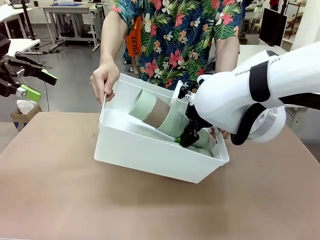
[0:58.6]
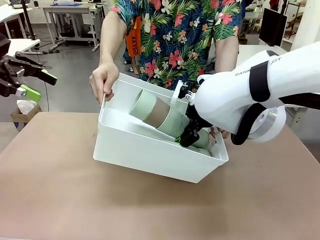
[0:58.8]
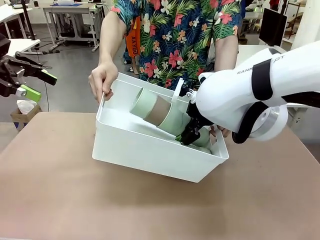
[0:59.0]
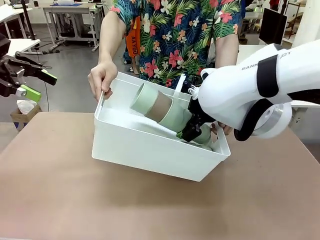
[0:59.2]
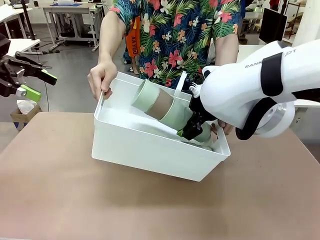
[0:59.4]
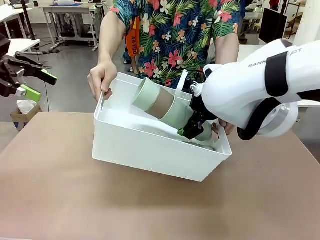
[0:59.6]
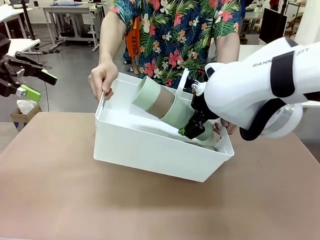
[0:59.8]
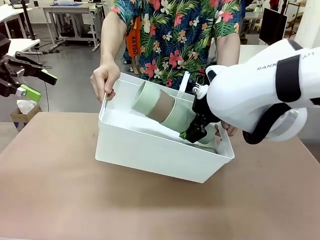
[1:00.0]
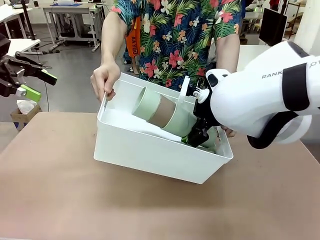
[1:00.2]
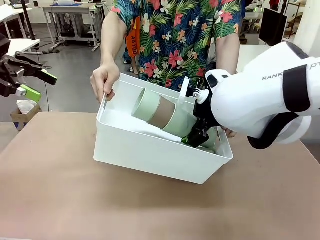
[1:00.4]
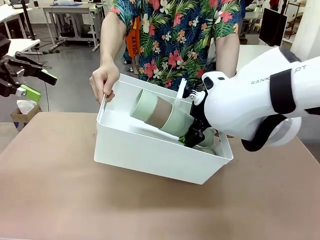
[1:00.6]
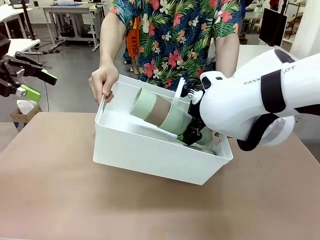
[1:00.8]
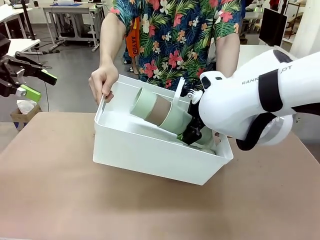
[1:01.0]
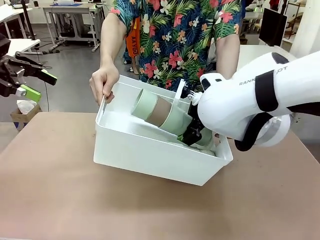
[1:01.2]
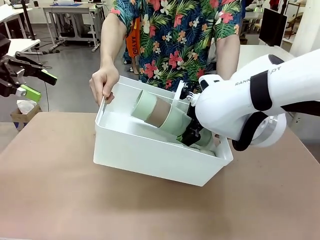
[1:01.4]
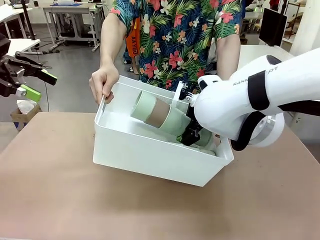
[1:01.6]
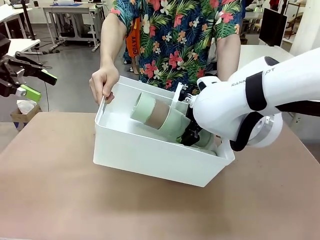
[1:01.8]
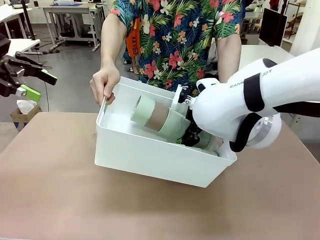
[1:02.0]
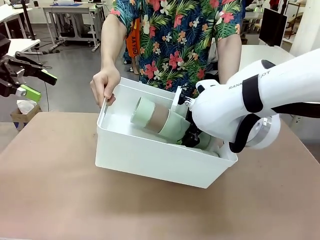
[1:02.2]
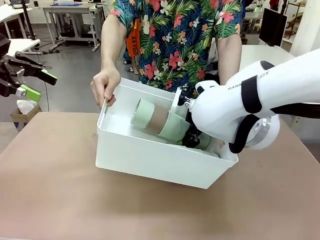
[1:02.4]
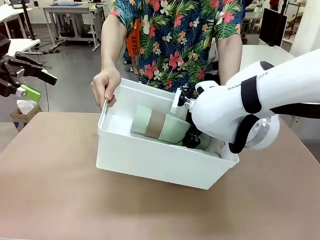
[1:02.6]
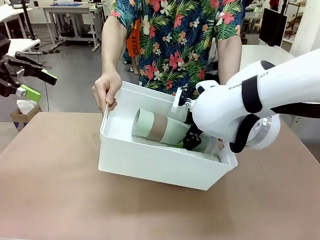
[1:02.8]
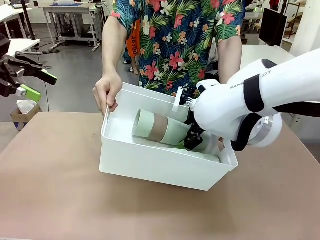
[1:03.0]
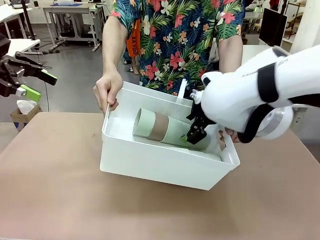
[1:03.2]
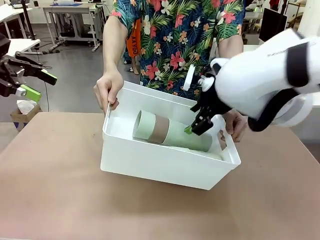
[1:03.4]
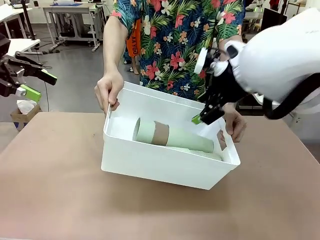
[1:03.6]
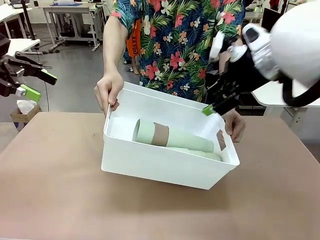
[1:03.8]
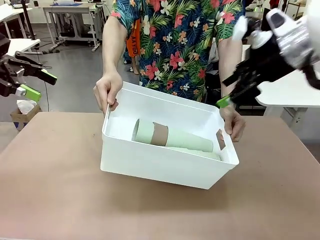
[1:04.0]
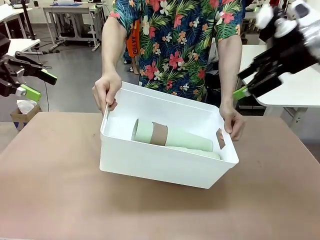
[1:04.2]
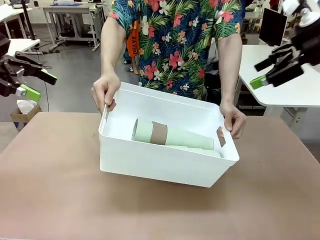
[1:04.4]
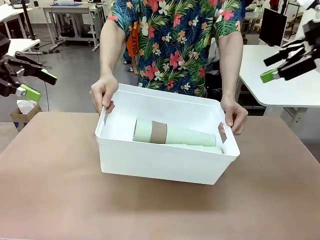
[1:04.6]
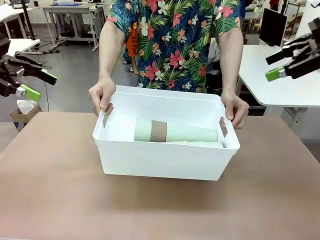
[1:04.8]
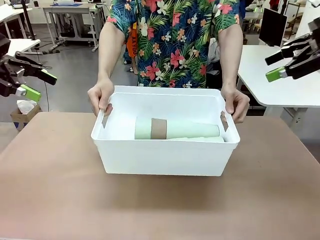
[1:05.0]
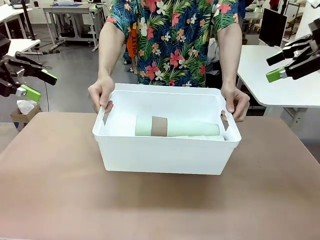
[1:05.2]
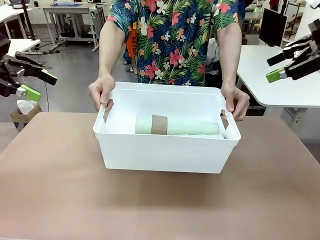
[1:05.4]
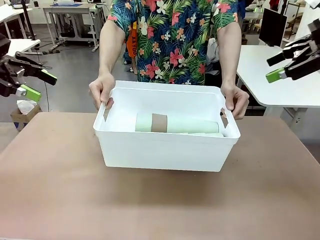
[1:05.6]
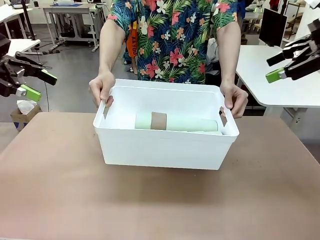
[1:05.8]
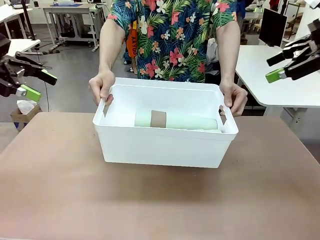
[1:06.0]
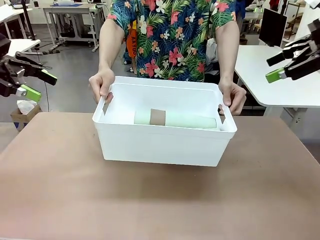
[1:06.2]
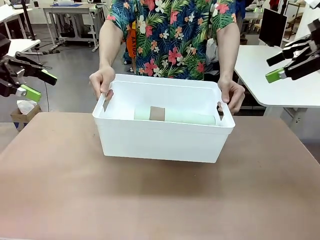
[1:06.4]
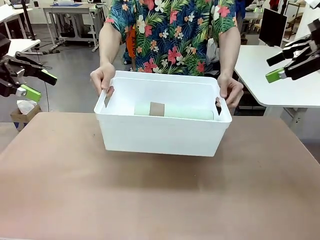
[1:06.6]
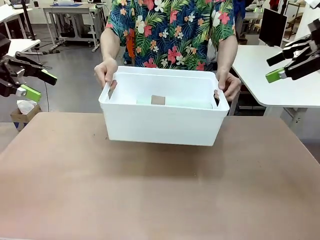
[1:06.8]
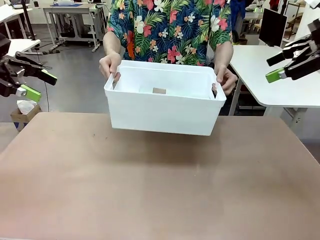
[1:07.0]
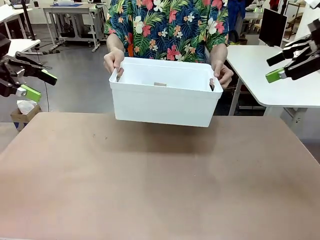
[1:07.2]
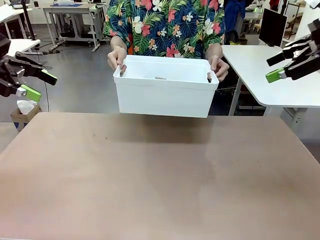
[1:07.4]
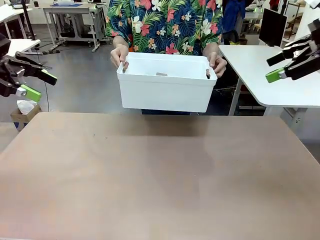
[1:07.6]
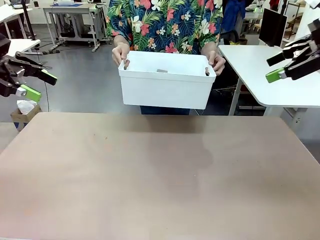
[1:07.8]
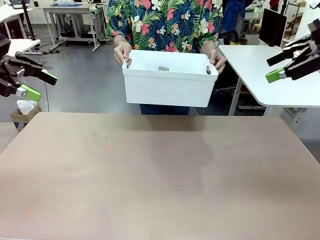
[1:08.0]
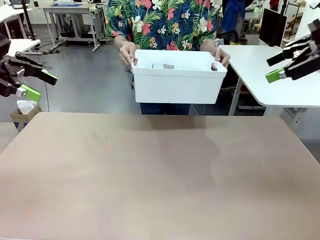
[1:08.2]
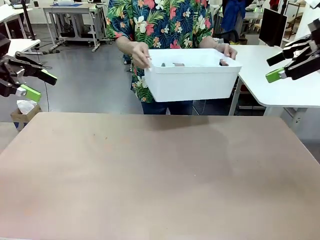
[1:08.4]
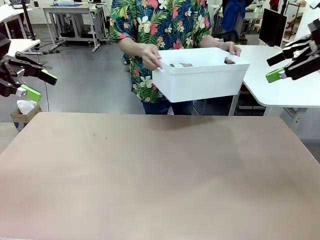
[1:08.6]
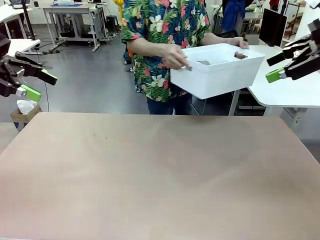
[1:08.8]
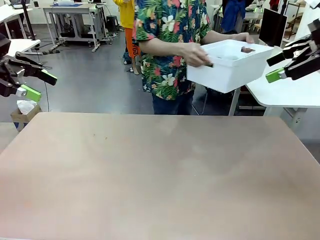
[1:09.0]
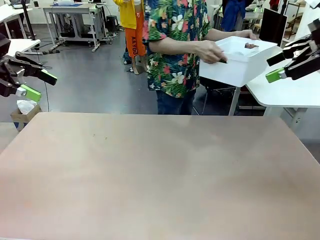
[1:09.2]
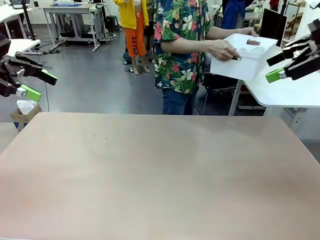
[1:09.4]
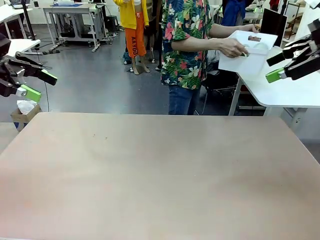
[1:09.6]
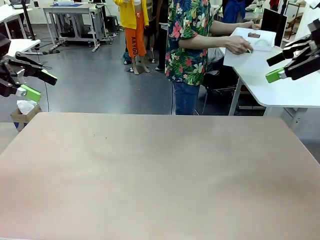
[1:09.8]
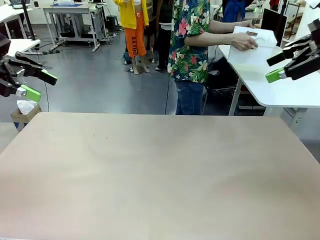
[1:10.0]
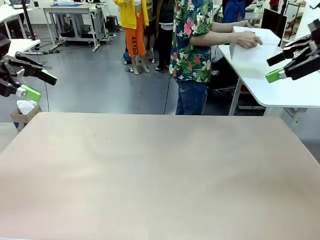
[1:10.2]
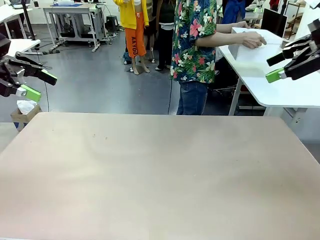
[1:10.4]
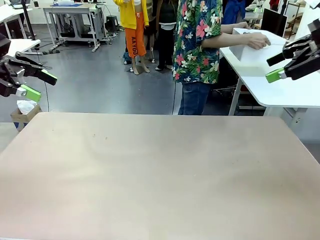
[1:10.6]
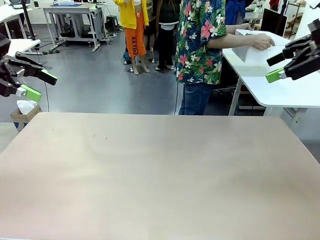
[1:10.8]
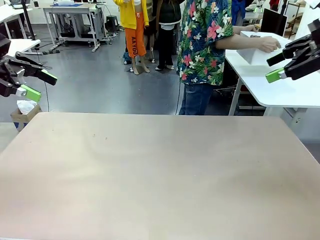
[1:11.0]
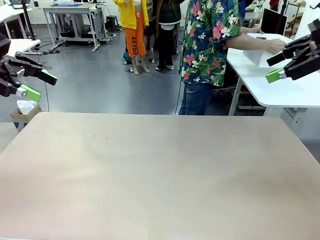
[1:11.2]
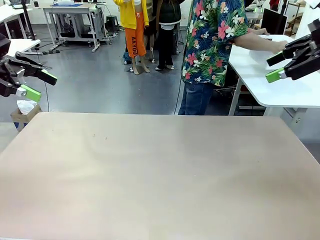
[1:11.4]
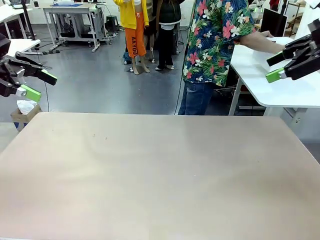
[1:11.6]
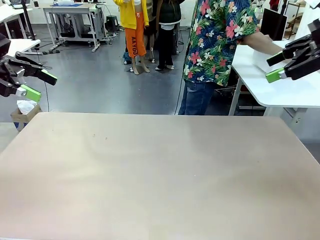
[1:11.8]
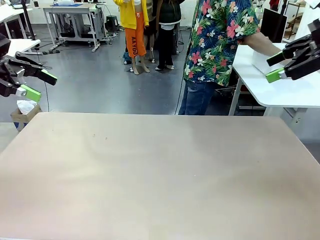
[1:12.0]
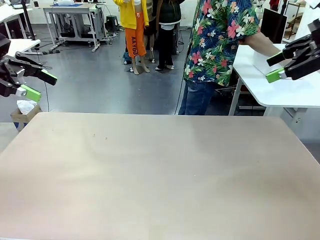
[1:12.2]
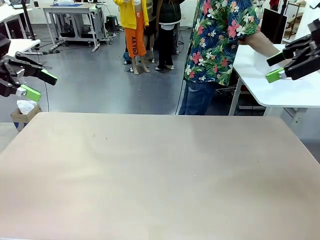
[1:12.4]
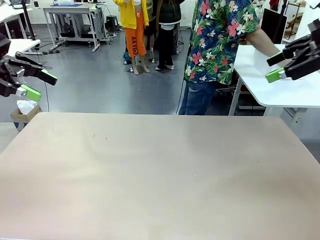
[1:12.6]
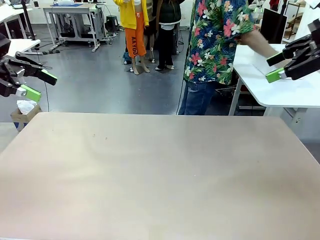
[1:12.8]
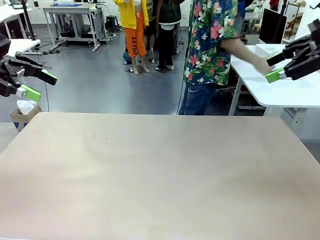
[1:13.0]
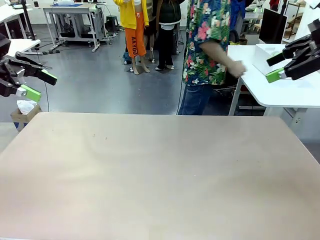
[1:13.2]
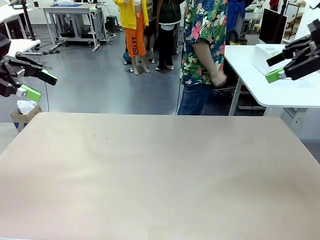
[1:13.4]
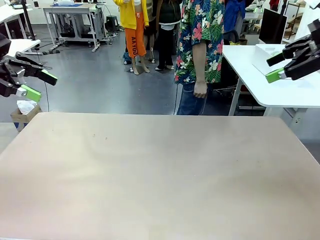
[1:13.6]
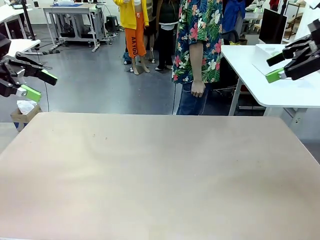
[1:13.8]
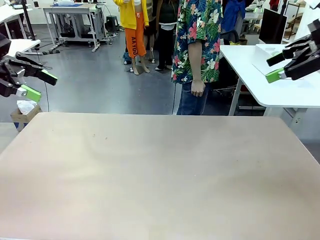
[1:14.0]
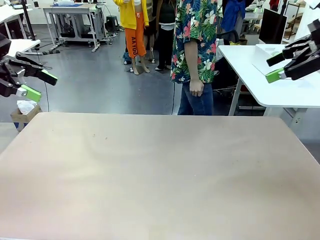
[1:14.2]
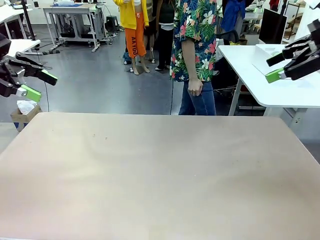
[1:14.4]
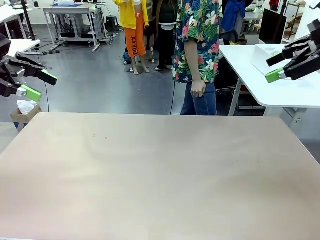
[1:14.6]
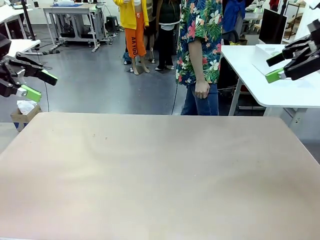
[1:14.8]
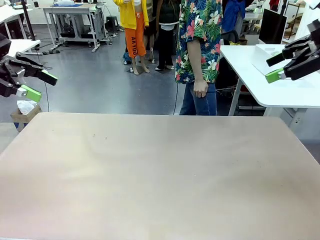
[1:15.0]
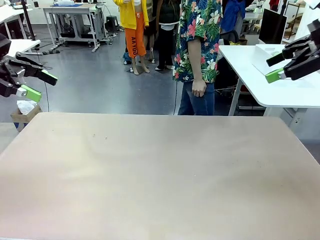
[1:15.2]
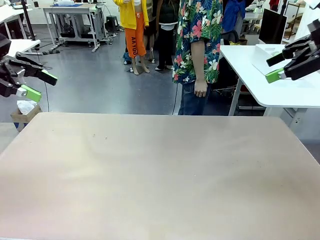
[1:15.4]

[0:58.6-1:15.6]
Task: Stack the cups and store them in the basket.
Robot: Place the stack of Reusable plastic cups into the Pantry Basket.
Person: Place the basket containing the cups in the middle of the Human Table.
